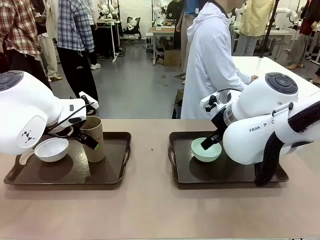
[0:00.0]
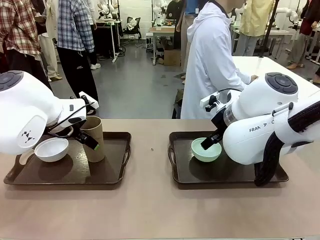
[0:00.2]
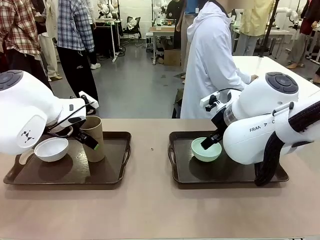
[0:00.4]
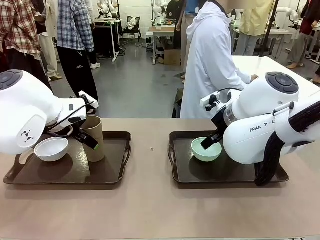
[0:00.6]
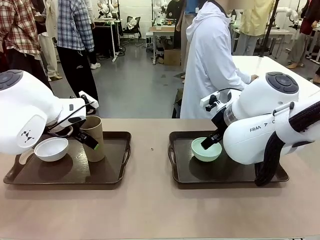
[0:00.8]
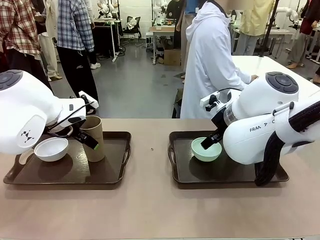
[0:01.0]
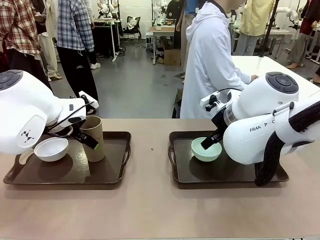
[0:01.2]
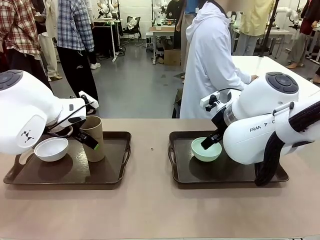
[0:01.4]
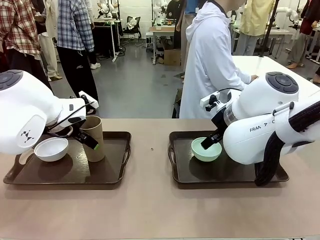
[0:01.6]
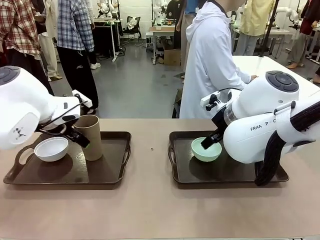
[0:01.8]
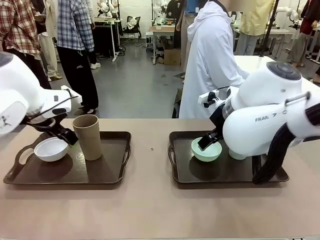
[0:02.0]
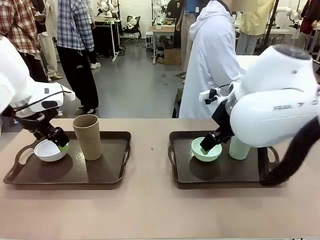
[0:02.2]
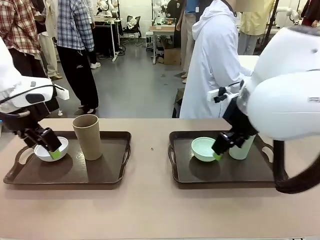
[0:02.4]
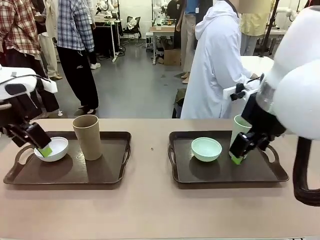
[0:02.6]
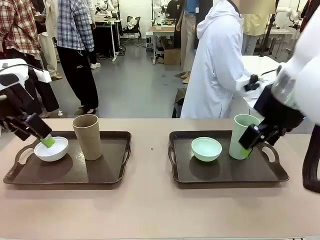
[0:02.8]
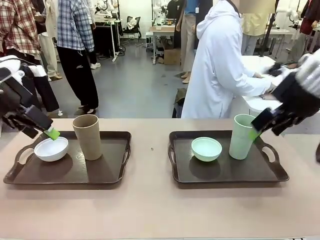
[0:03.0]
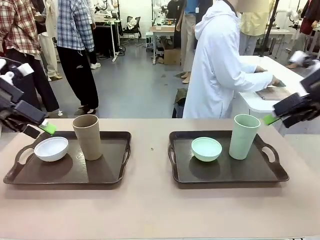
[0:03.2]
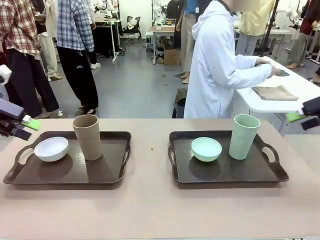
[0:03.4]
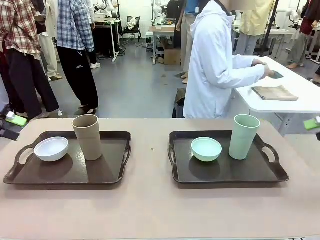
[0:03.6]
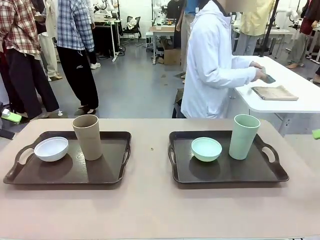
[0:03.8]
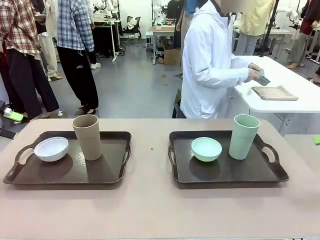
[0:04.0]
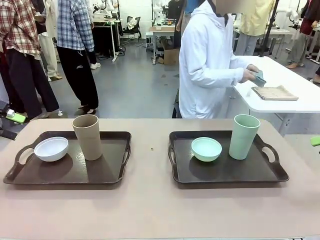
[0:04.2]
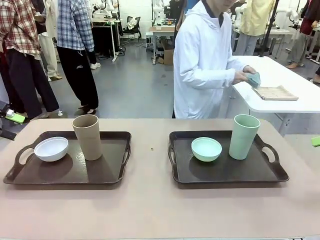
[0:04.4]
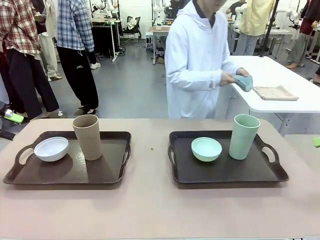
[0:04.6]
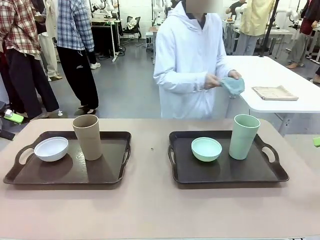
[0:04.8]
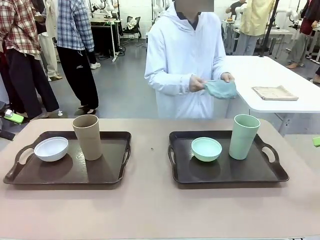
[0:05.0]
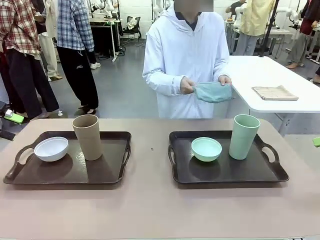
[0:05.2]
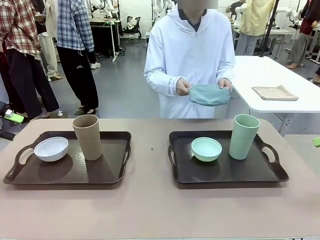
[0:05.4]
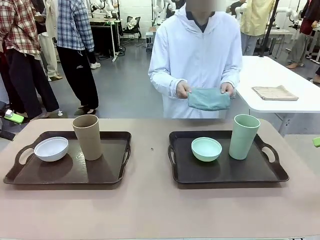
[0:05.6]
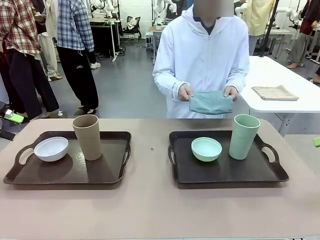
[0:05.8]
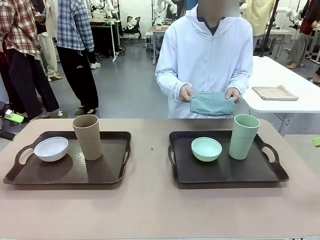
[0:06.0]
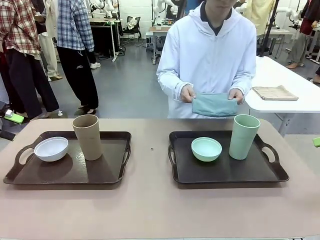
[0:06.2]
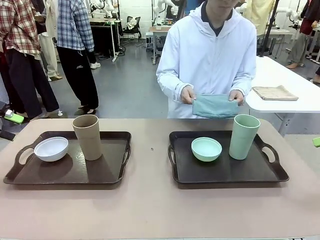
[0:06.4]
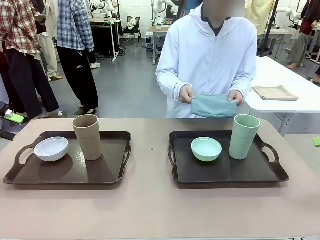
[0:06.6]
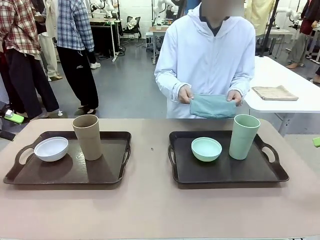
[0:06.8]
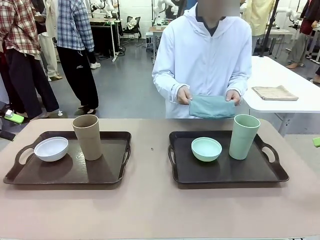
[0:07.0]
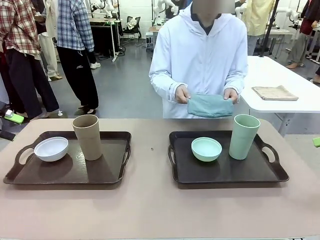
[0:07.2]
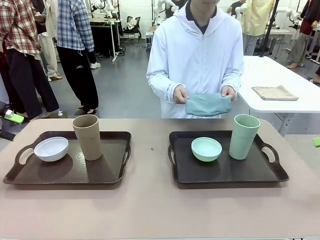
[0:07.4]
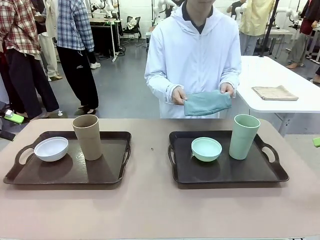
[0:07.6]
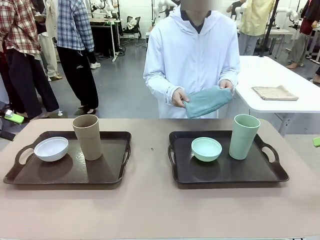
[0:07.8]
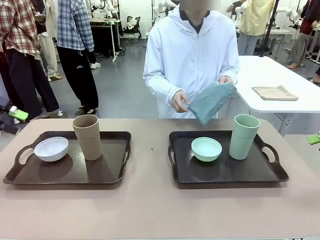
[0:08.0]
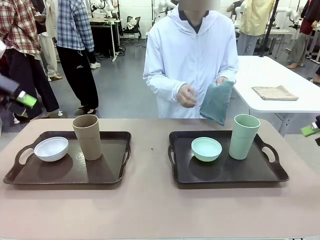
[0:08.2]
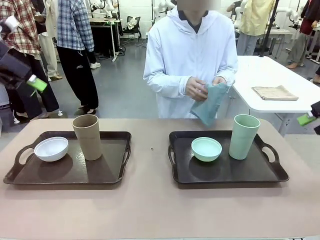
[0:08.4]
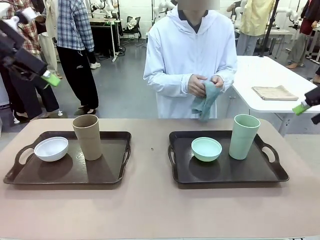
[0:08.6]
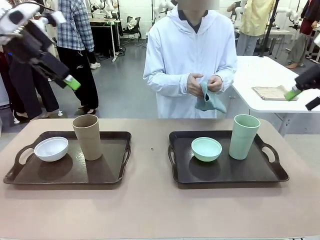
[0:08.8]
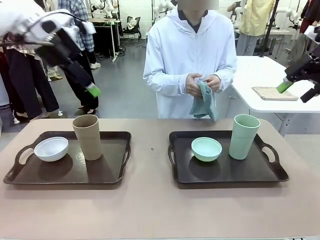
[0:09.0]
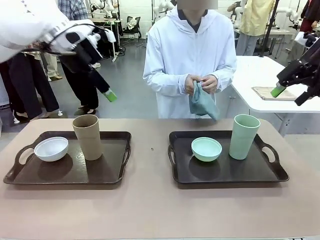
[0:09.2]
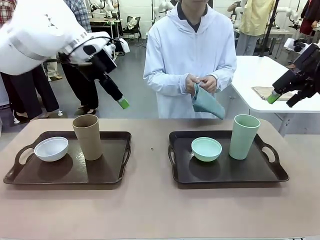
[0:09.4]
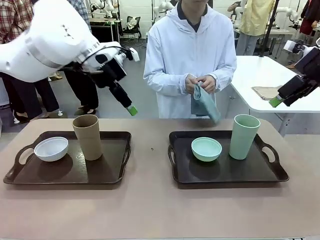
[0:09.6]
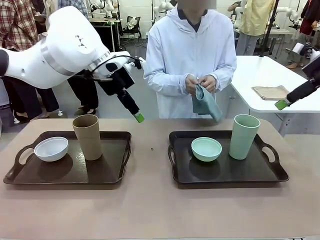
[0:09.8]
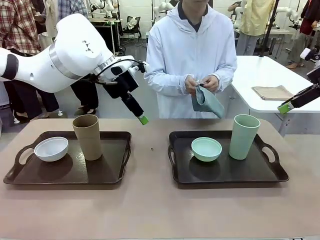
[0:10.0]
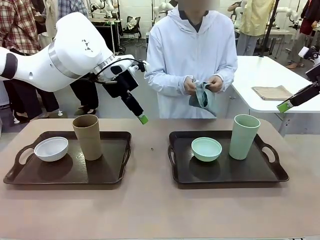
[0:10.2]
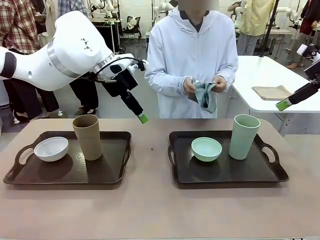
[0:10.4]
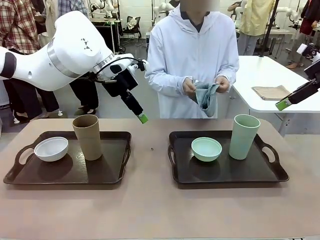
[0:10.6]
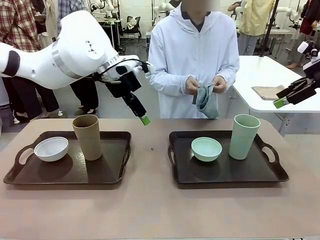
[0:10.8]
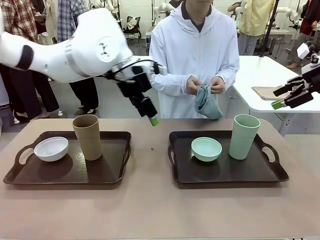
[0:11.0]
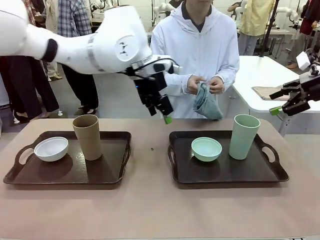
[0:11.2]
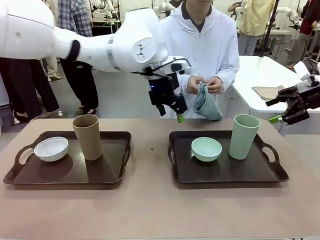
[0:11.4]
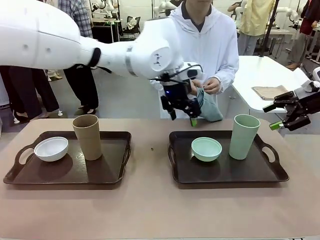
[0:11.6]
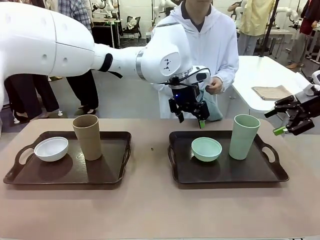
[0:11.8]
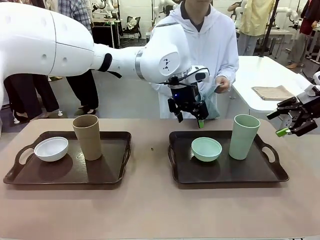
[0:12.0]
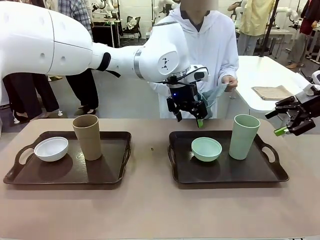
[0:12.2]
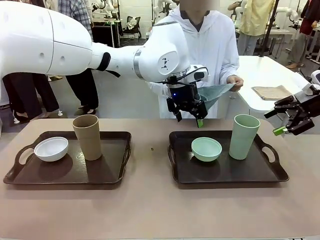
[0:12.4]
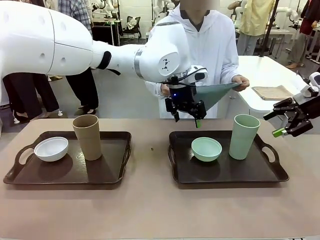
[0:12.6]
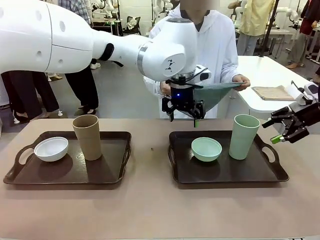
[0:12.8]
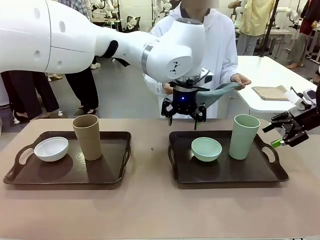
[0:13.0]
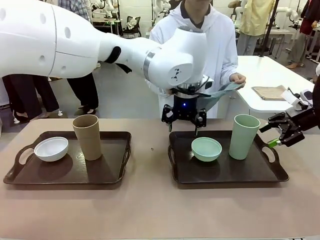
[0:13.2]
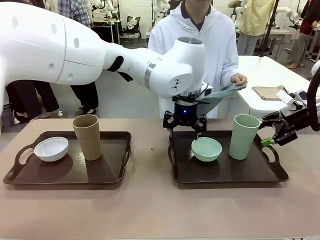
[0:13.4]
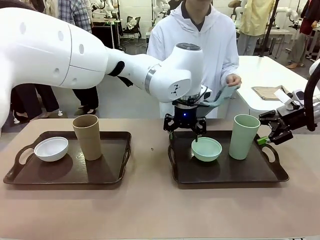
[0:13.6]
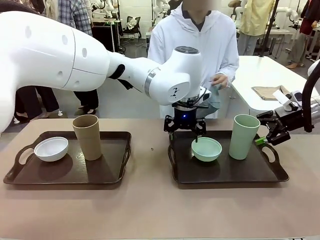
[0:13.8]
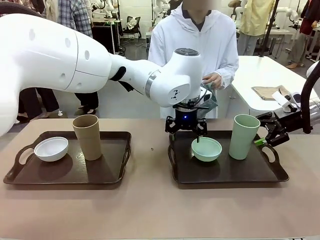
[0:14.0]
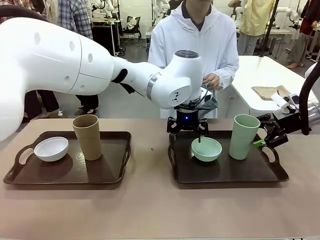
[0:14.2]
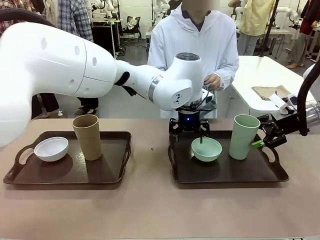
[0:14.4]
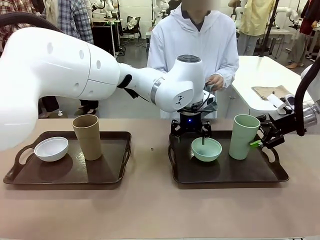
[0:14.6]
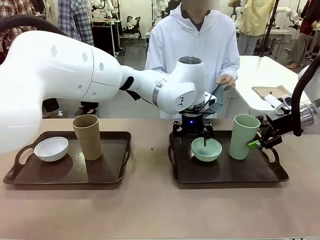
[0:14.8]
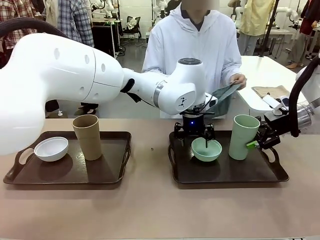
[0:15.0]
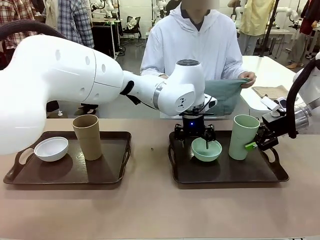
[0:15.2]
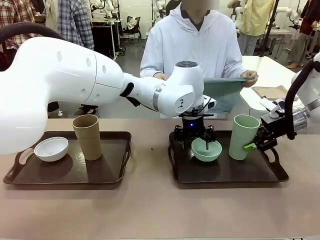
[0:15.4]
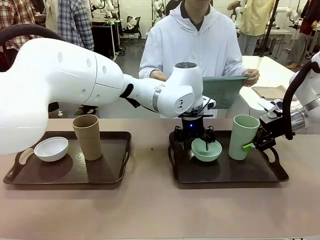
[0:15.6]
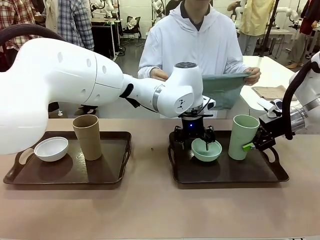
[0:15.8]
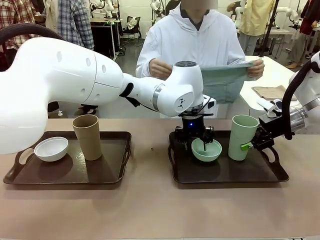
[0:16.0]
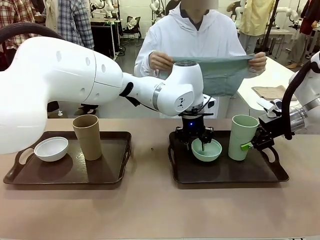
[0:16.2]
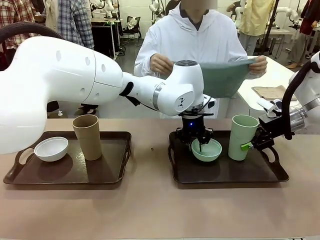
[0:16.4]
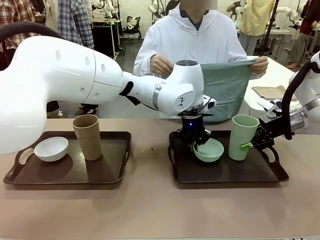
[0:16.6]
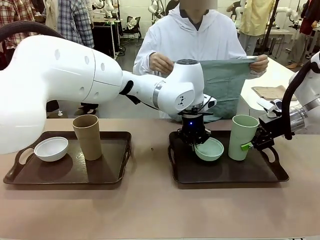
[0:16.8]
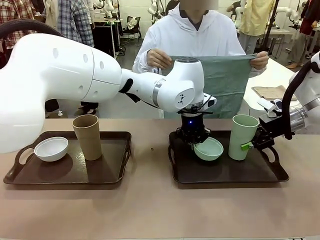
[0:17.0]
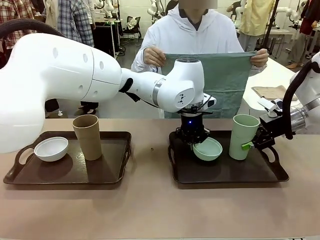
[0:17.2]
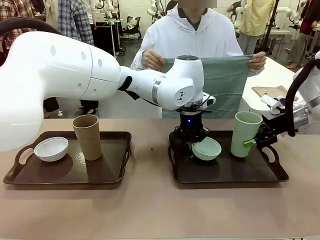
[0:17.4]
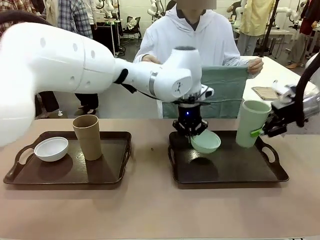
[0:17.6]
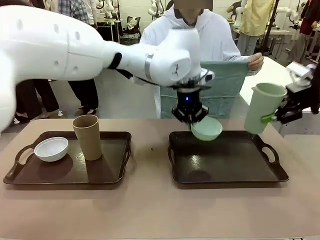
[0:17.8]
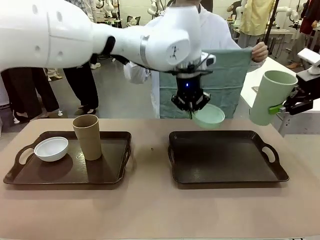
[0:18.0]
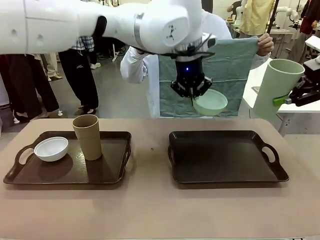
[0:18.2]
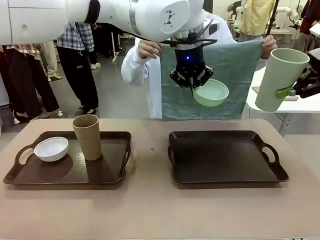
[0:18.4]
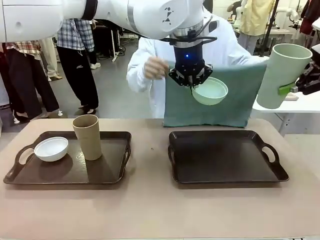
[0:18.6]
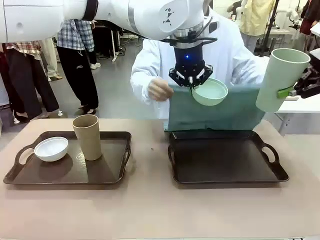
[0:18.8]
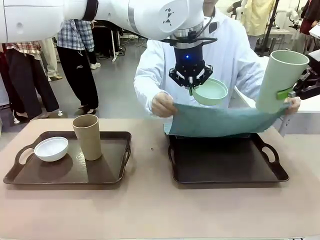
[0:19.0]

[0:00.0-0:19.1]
Robot: Pick up the Picnic Bowl and Reusable plastic cup from the Handle tray in front of the human's position and hold them in the air.
Person: The human picks up the top napkin from the stack on the human table and walks to the robot table to stand in front of one of the two trays. When the robot lifts the bowl and the cup, the human unfolds the napkin and lays the napkin flat on the tray.
